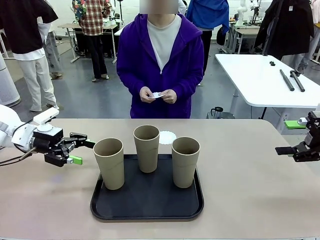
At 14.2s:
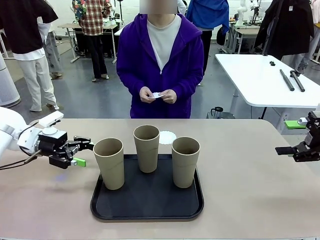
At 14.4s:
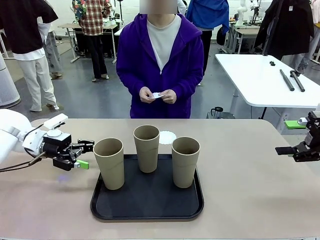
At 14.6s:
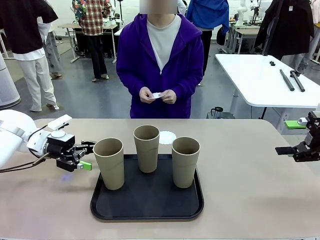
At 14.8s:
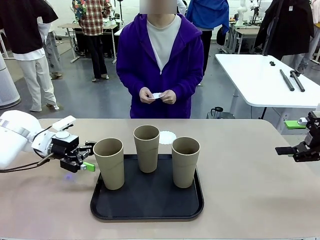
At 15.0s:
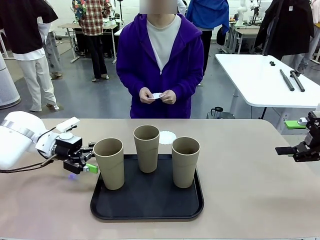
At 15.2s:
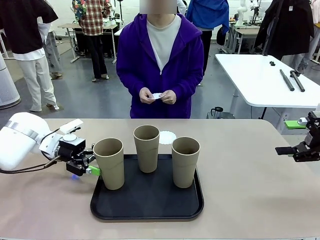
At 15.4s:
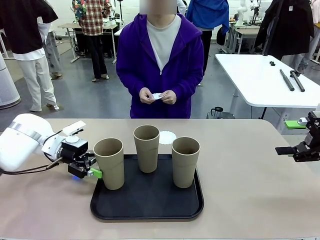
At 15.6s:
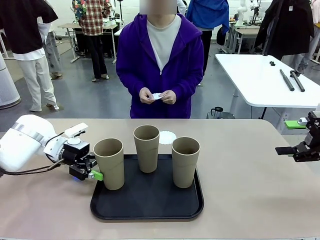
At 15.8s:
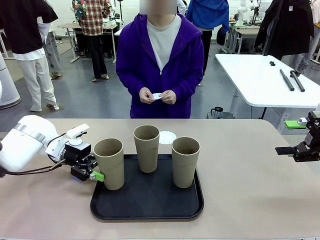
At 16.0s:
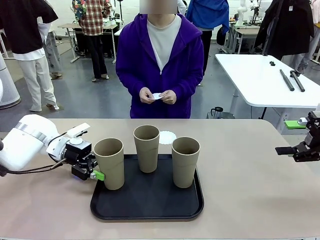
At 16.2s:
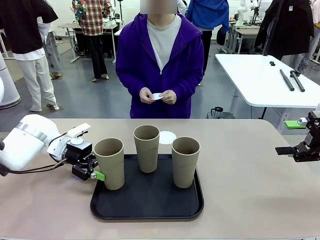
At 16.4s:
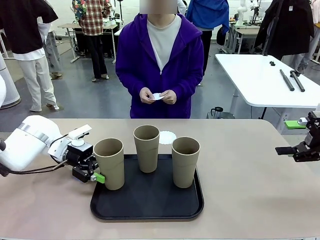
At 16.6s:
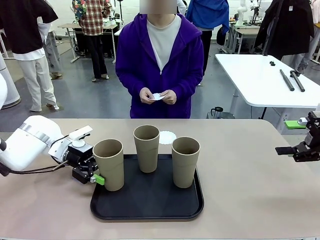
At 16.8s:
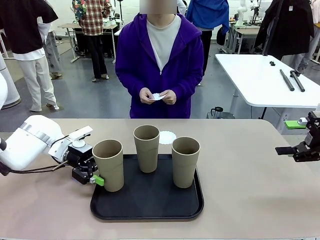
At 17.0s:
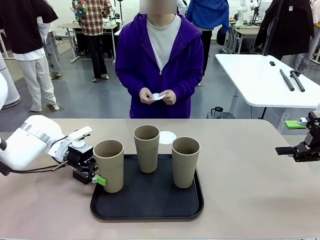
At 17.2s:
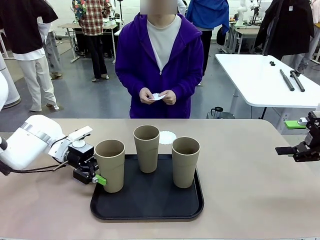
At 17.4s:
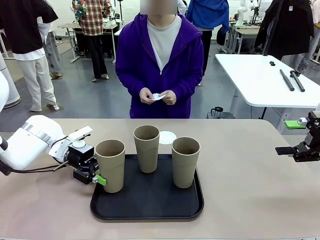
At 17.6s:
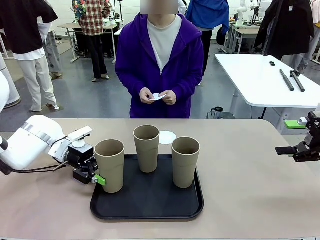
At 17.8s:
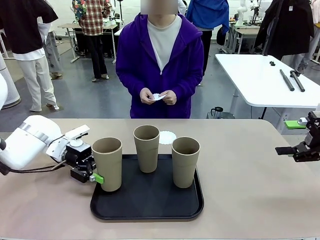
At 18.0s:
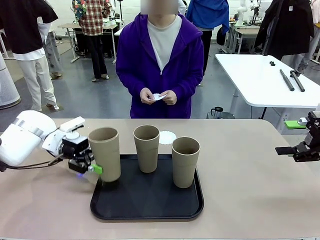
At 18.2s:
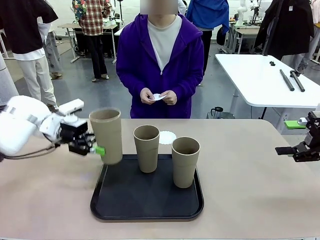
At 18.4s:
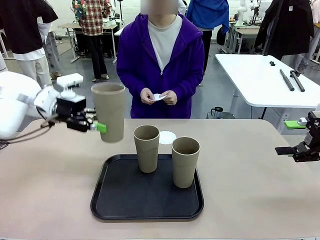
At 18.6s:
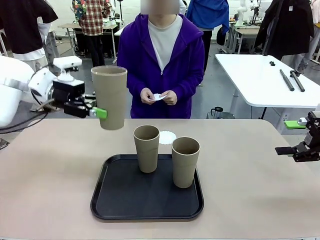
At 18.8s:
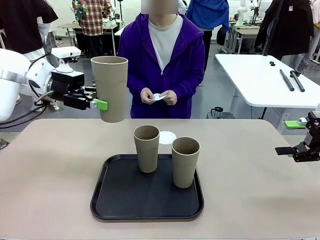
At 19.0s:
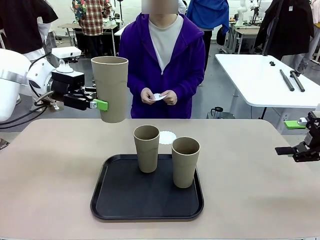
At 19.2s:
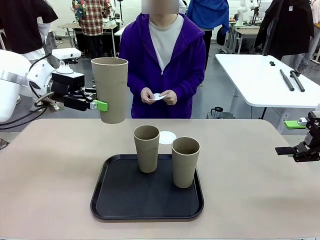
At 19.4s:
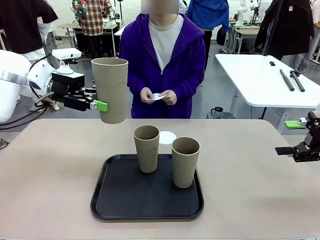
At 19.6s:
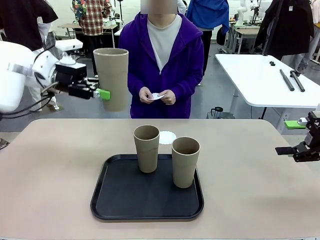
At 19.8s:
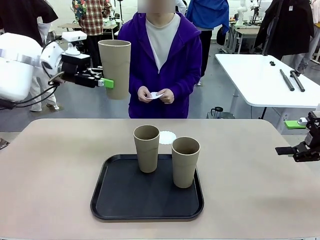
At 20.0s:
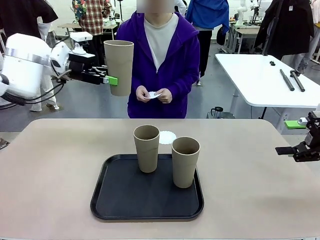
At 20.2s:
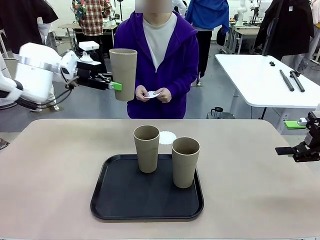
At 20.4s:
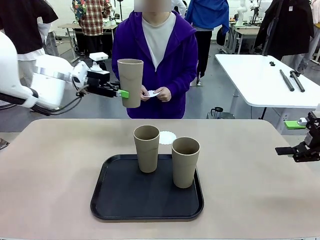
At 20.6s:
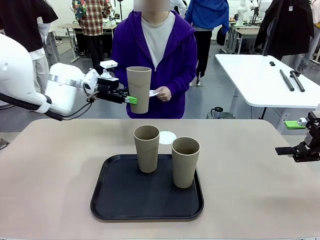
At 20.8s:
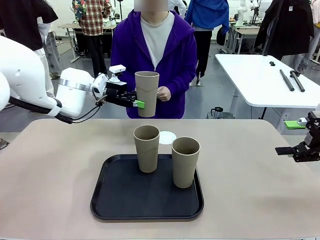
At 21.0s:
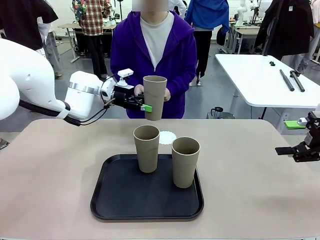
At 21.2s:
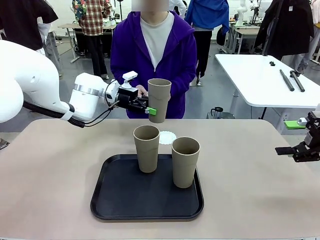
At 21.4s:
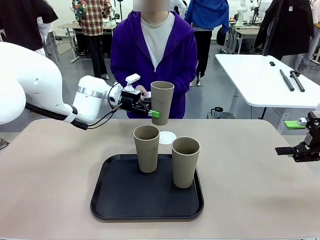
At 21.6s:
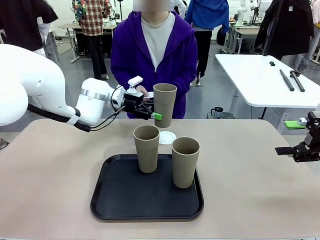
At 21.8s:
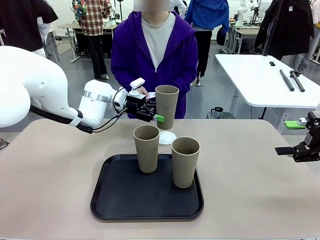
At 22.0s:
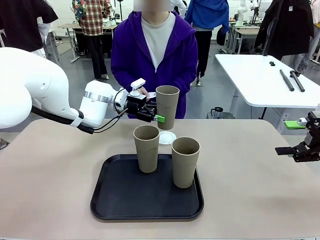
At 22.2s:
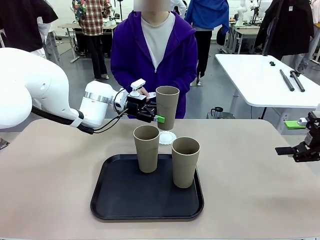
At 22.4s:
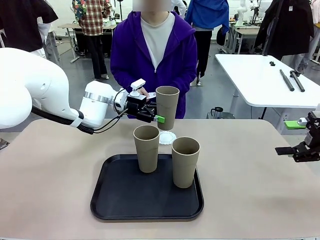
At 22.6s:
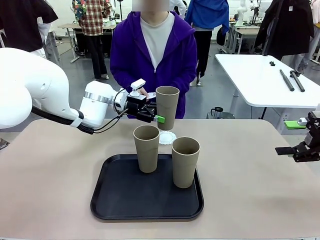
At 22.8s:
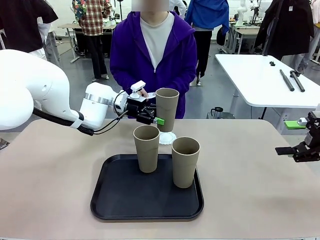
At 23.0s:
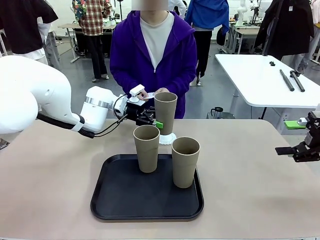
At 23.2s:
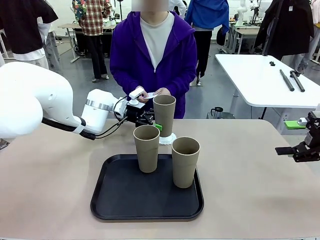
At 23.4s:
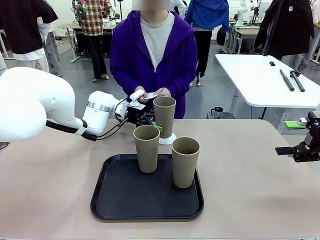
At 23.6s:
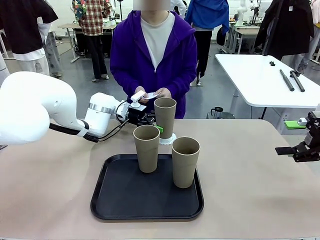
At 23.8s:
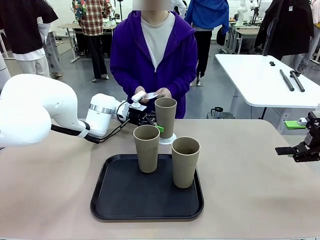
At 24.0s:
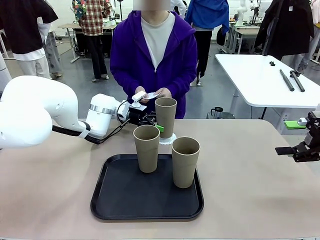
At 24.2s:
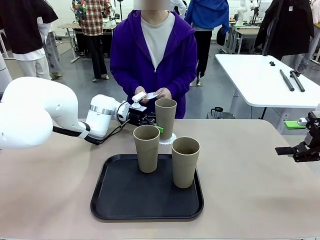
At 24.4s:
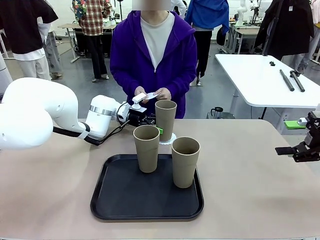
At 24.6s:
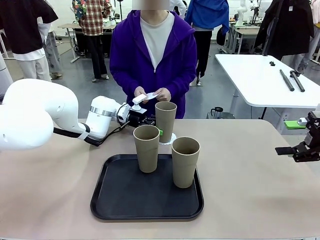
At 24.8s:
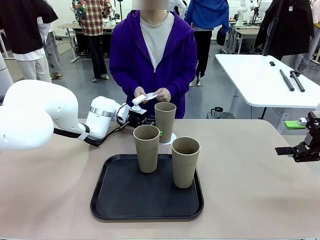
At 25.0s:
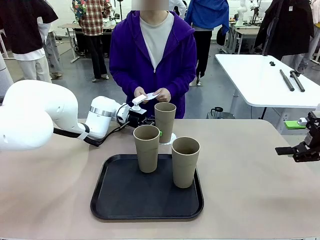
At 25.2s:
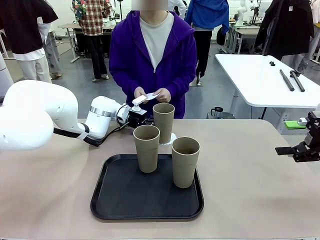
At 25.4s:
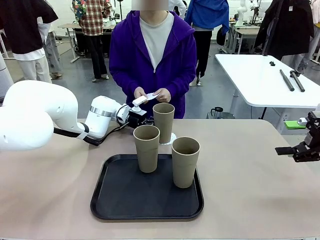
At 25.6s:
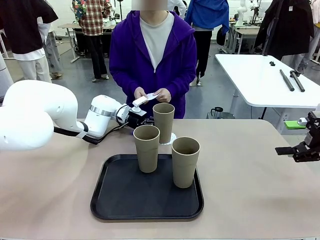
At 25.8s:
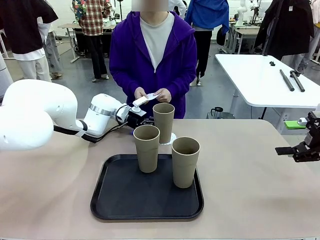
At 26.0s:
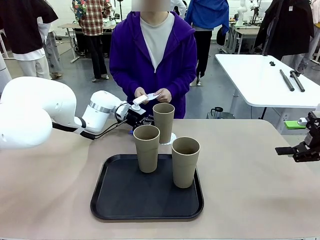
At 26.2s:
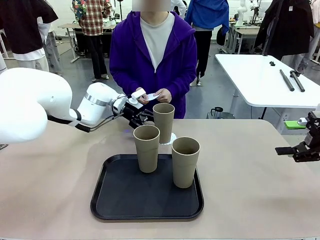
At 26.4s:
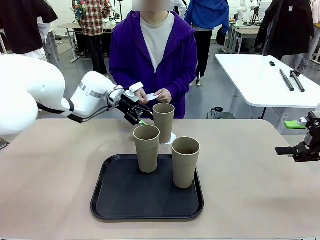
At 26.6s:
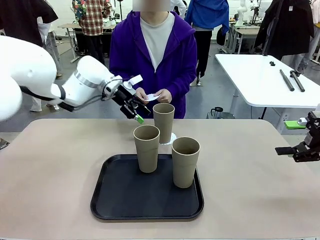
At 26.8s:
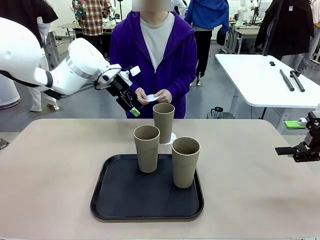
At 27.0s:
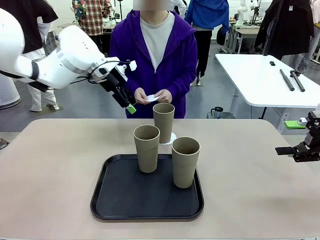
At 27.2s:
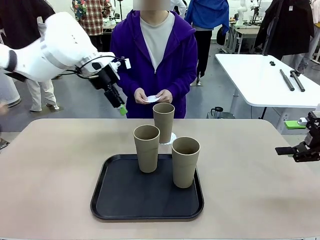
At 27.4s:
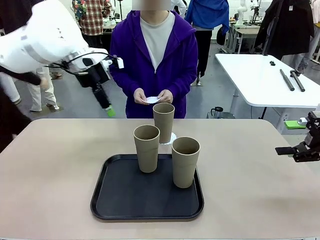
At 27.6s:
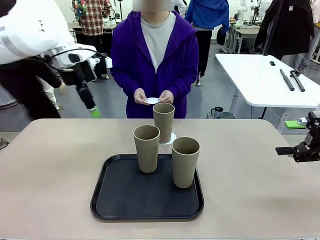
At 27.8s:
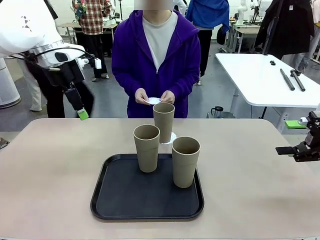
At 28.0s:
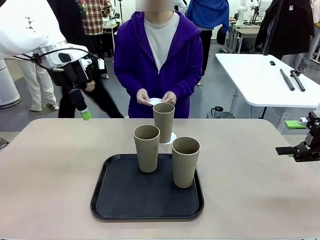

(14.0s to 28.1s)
Task: Place coasters on the table and set cups on them.
Robot: Pick up one Reusable plastic cup and place it on a coaster set by the human.
Person: Place one coaster in one of the two areas excluding the previously selected area.
